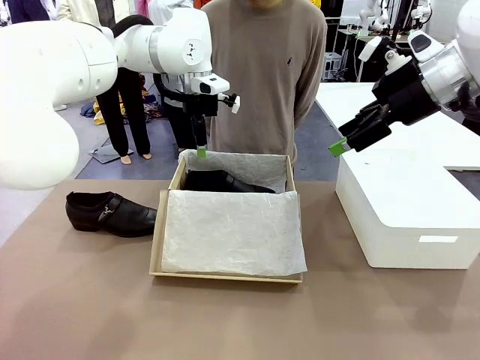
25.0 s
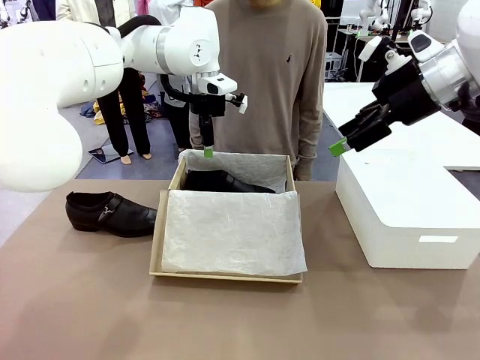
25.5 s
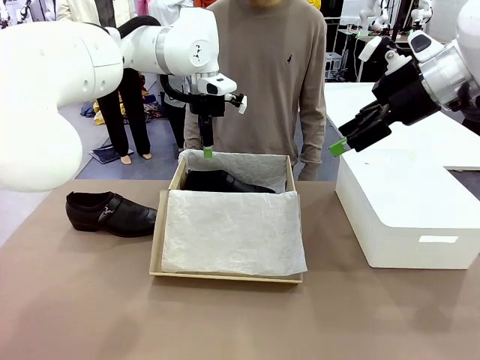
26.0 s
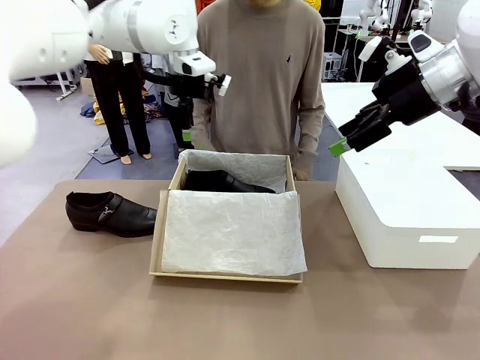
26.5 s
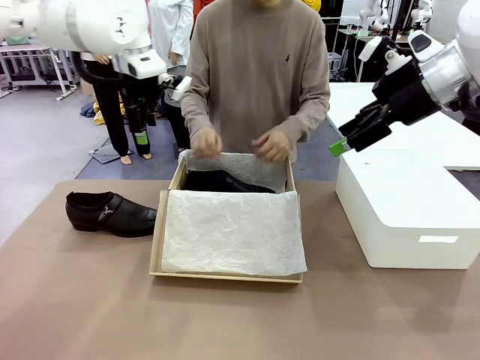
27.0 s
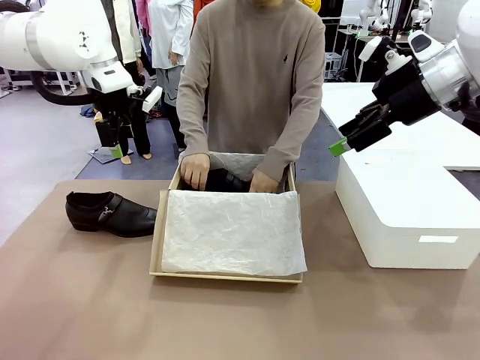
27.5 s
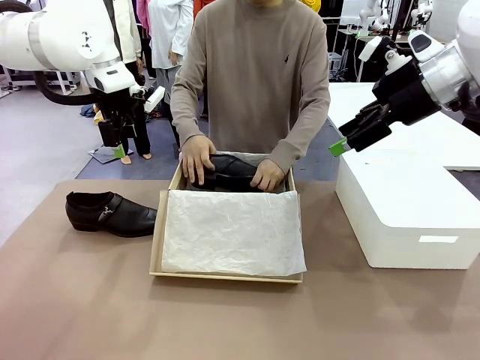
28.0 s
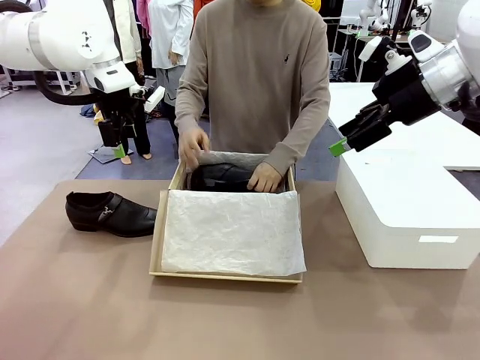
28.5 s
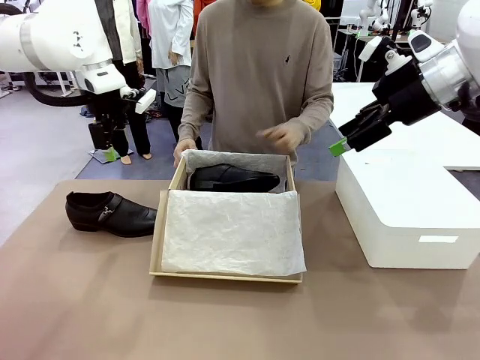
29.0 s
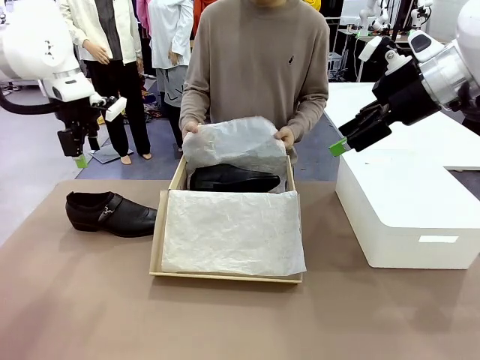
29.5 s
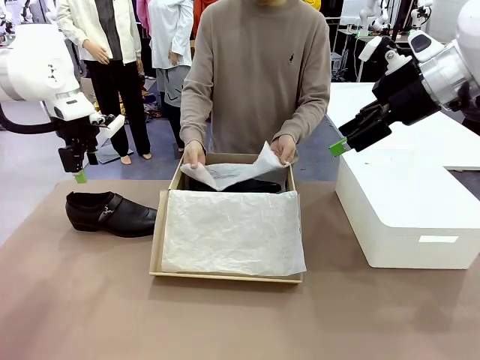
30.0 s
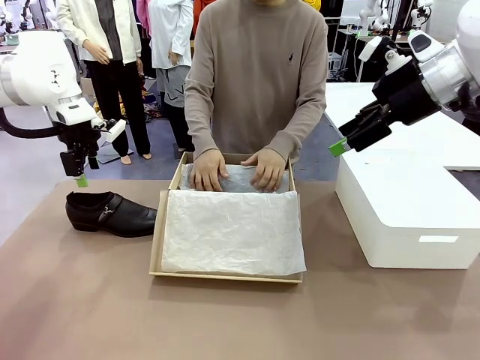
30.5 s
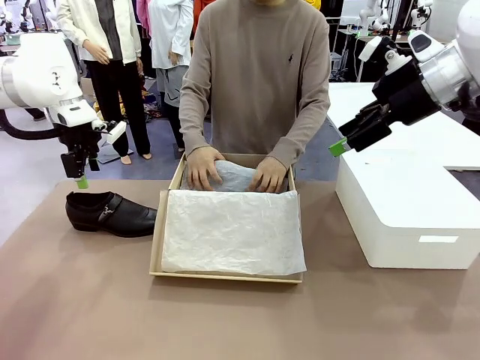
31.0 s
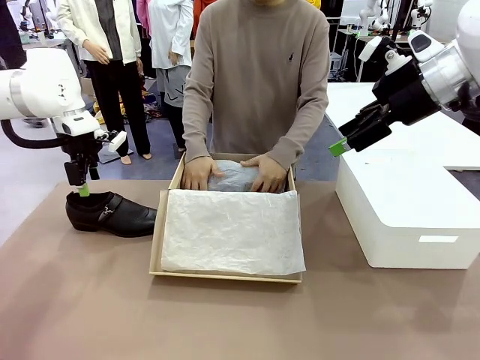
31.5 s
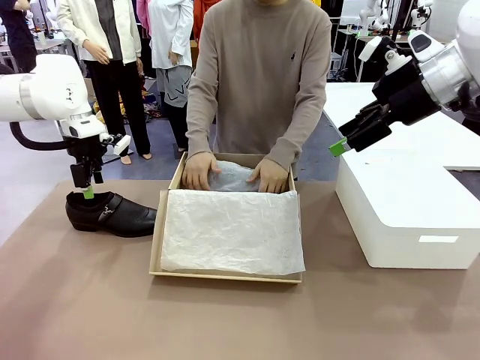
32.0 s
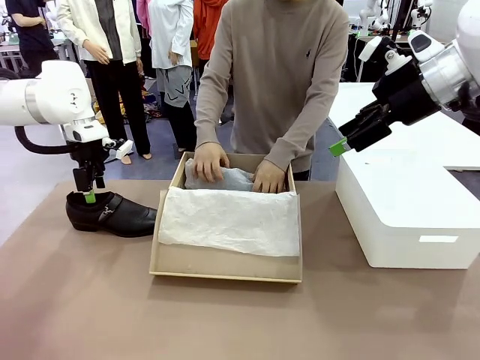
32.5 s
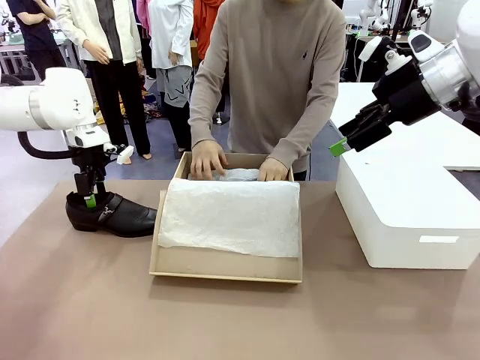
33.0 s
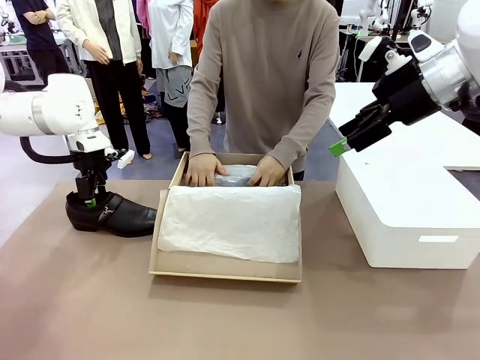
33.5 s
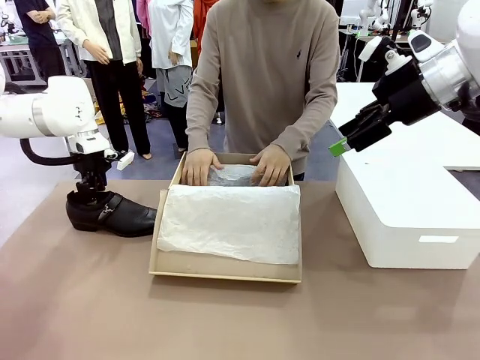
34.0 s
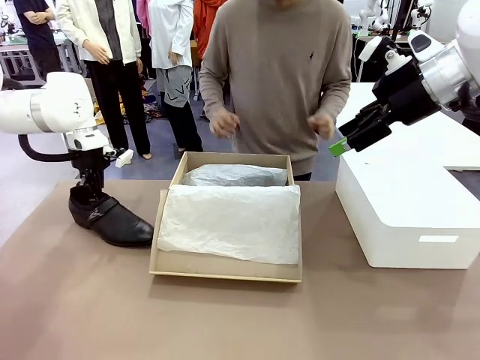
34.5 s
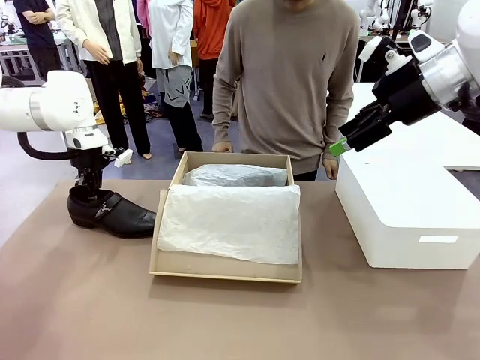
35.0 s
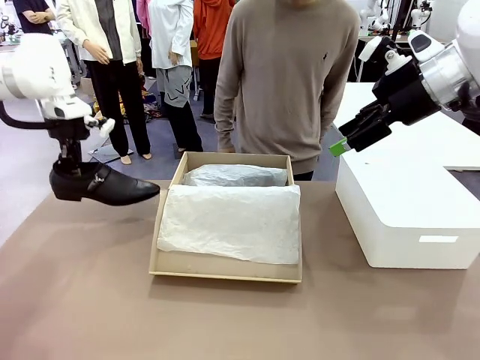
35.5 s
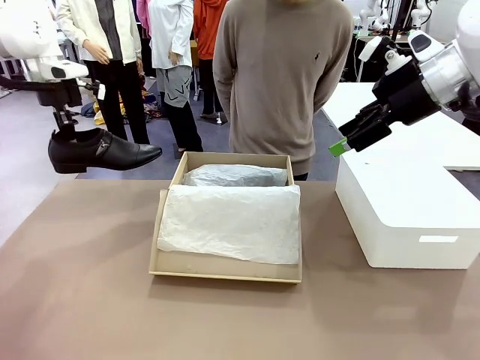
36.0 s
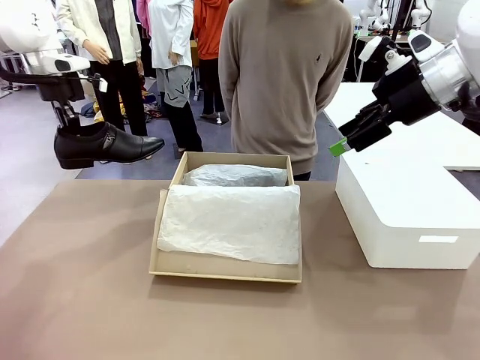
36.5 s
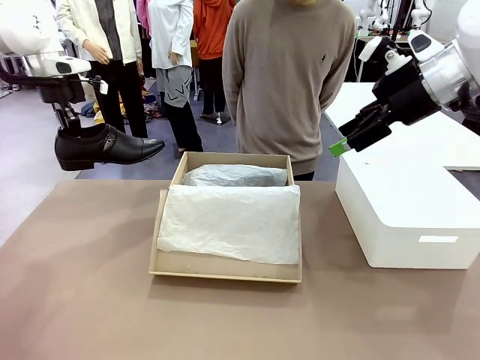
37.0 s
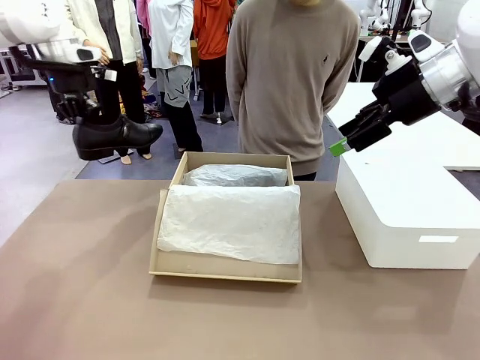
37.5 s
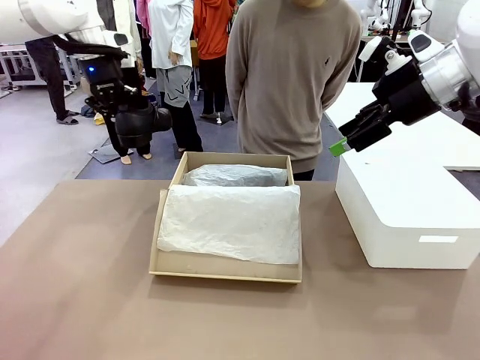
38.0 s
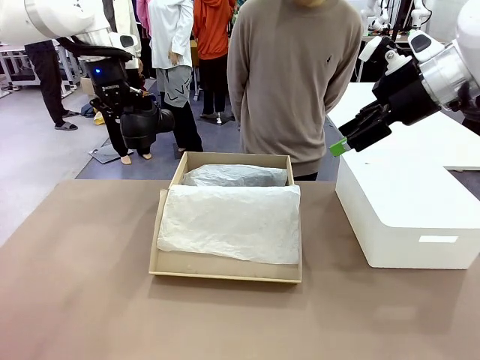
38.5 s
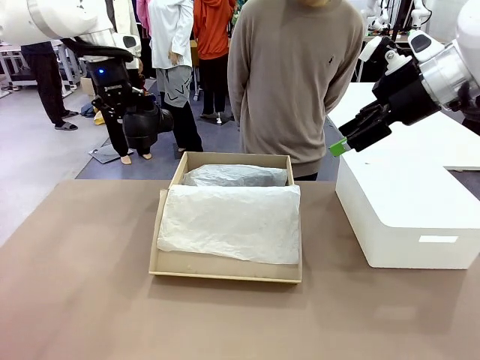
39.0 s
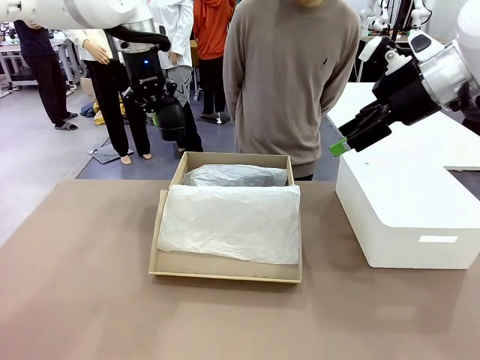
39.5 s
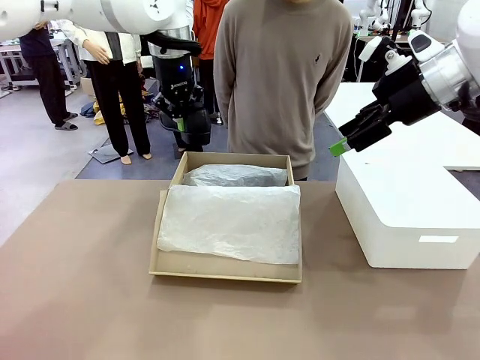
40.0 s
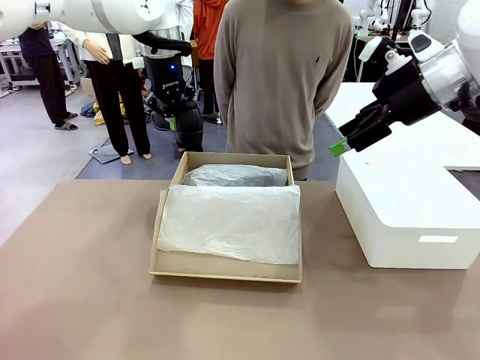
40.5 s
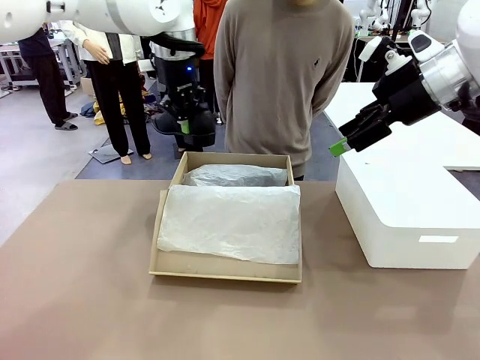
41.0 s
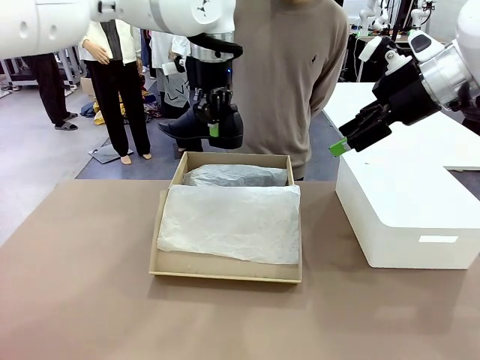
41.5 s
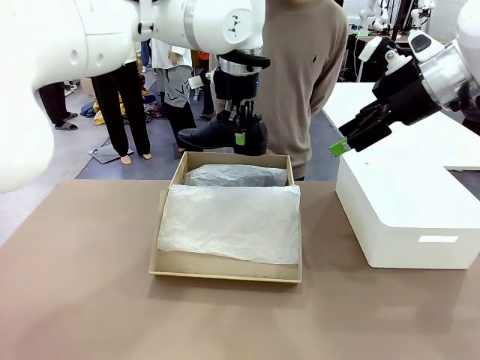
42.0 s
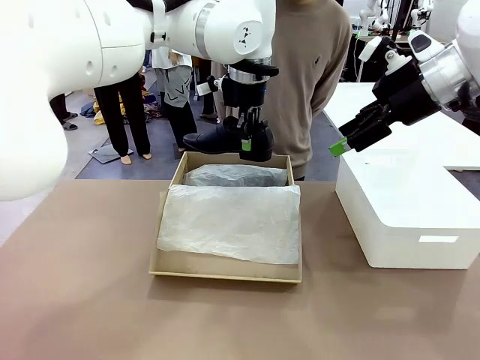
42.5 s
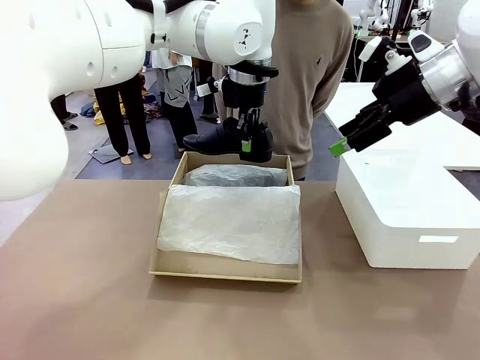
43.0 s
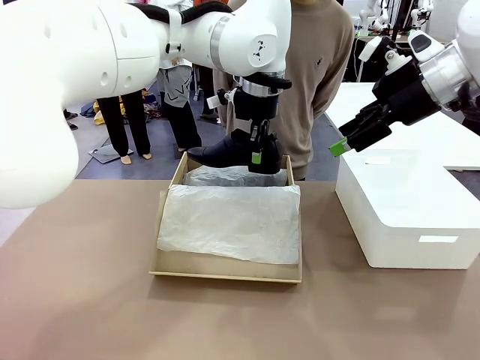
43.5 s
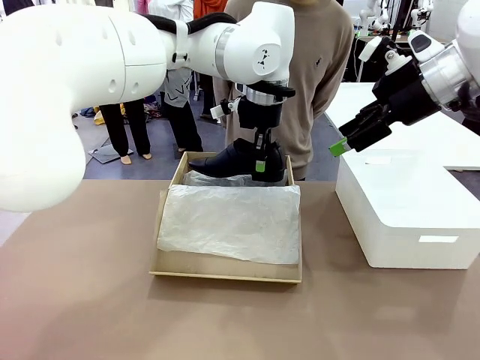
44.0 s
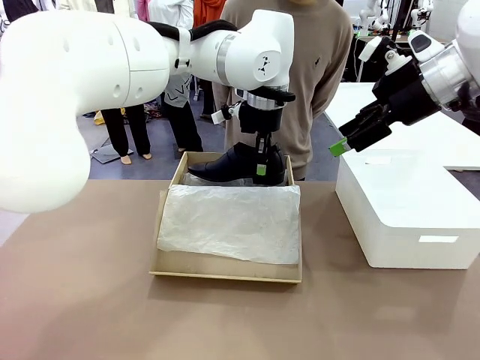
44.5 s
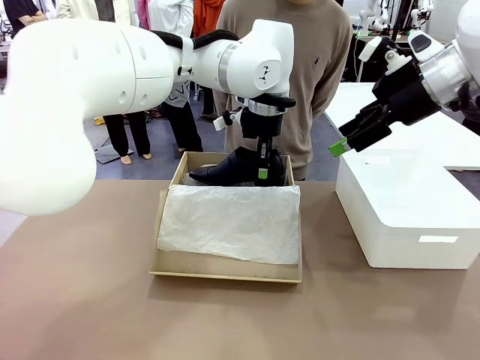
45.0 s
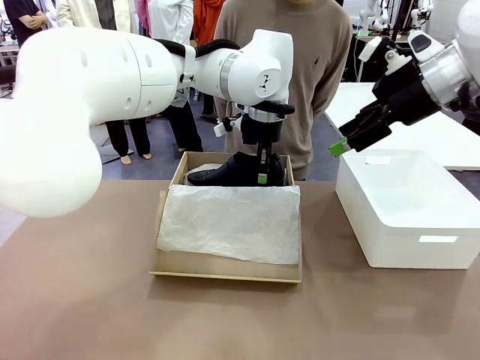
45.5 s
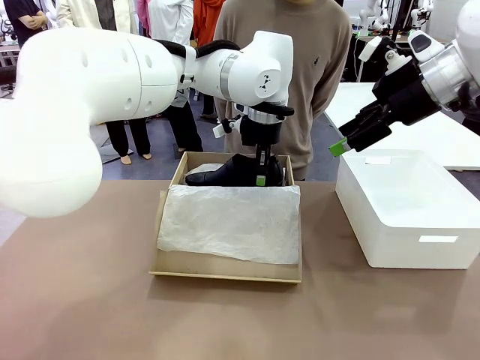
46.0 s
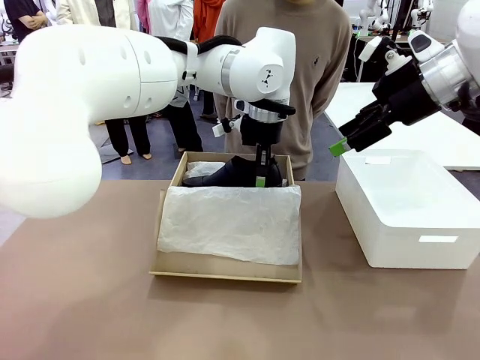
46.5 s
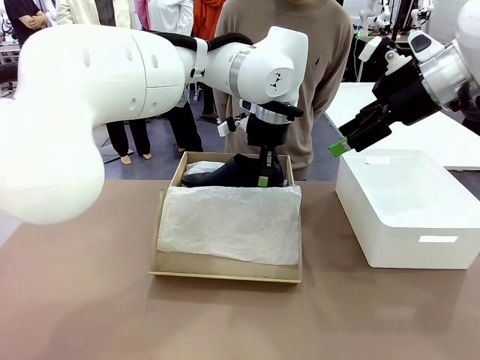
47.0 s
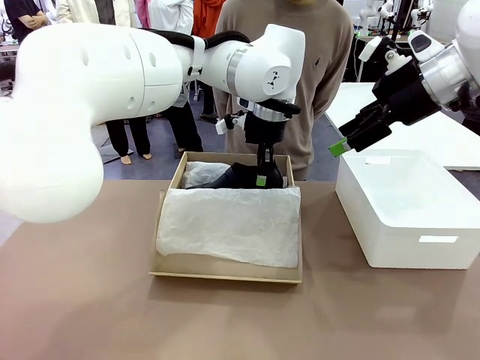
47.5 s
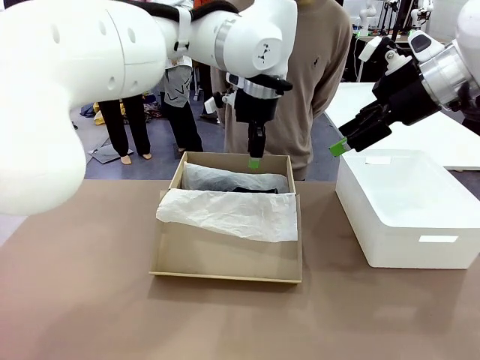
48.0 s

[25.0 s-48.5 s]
Task: Pack the shoes into the box.
Robot: Place the other shoe of the Shoes into the Shoes Box.
Person: Pack a shoe of Shoes inside the Shoes Box with Shoes Wrapping Paper.
